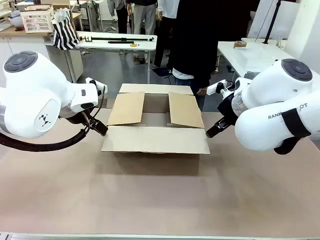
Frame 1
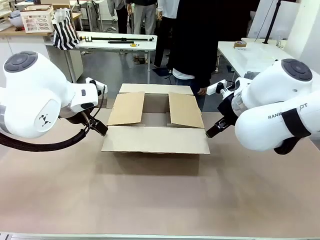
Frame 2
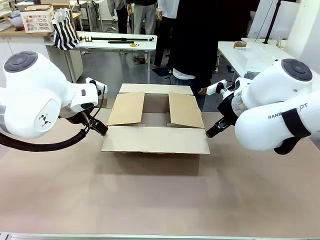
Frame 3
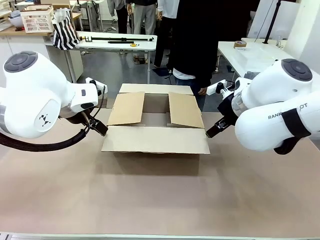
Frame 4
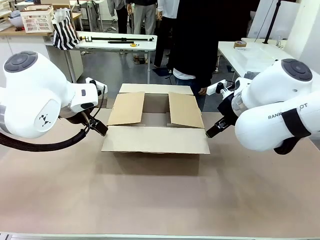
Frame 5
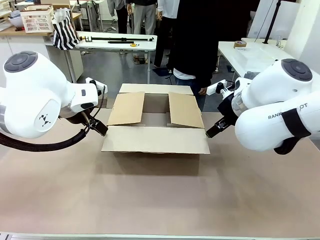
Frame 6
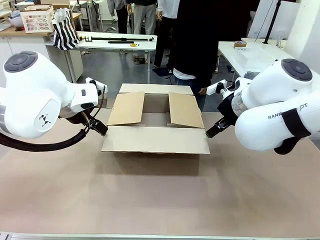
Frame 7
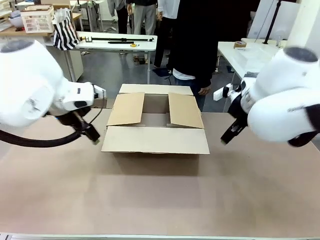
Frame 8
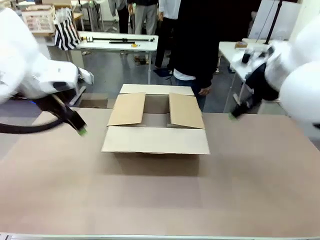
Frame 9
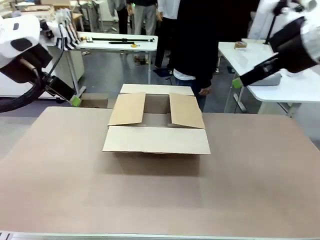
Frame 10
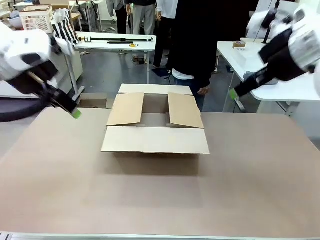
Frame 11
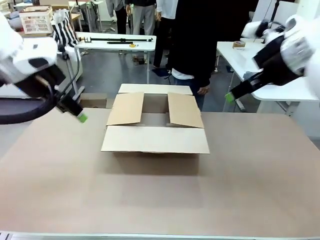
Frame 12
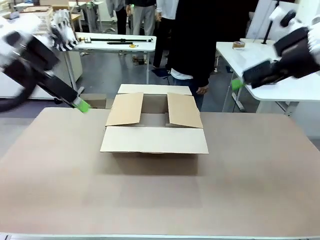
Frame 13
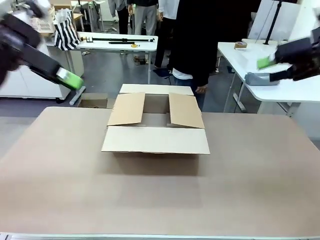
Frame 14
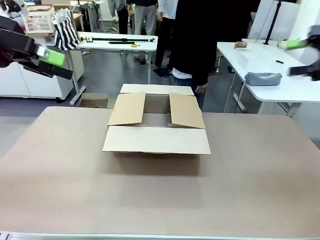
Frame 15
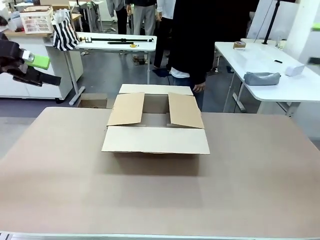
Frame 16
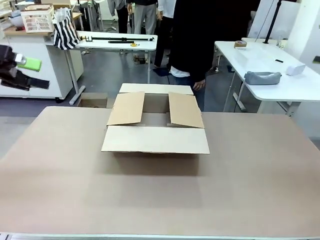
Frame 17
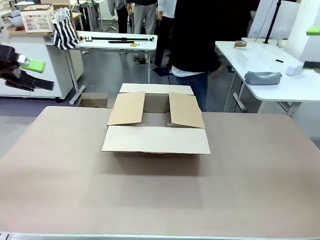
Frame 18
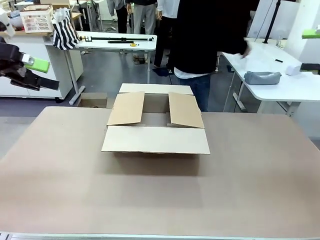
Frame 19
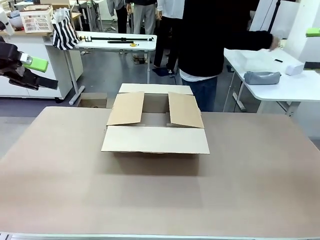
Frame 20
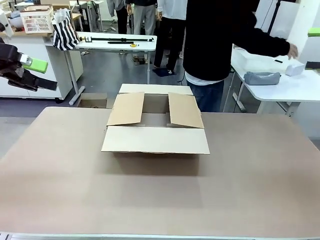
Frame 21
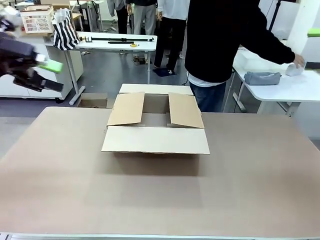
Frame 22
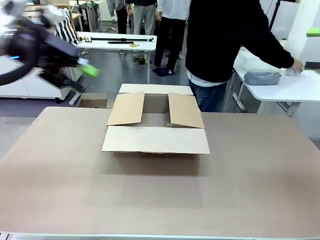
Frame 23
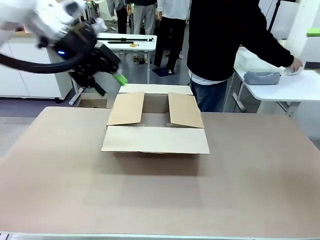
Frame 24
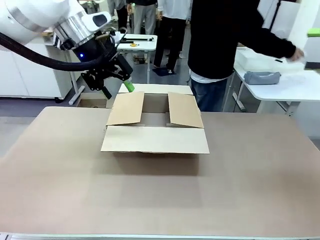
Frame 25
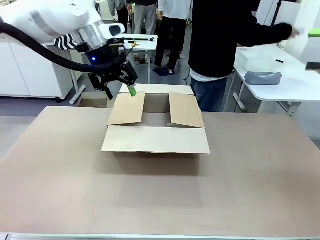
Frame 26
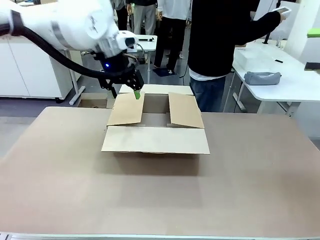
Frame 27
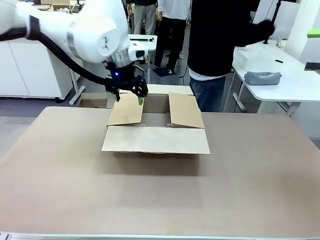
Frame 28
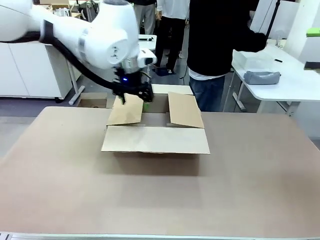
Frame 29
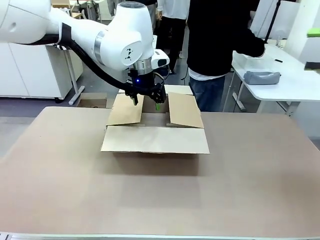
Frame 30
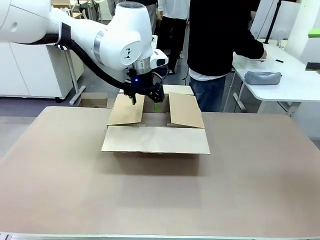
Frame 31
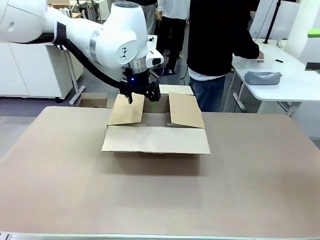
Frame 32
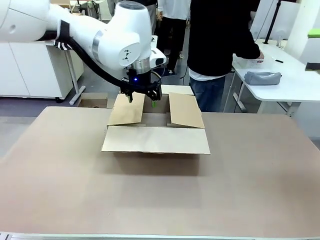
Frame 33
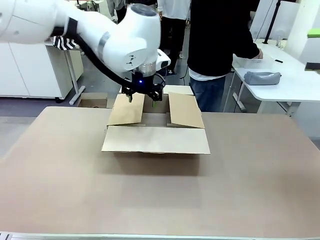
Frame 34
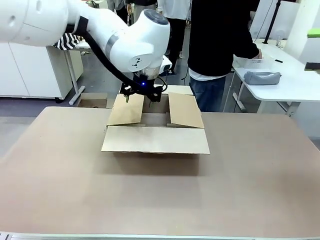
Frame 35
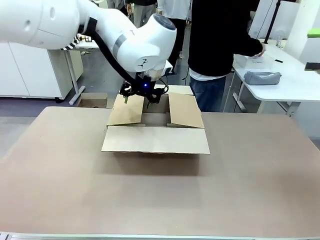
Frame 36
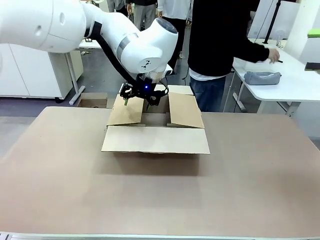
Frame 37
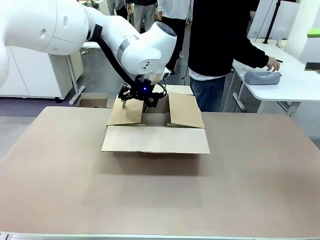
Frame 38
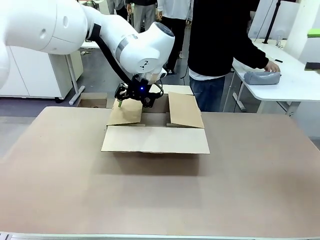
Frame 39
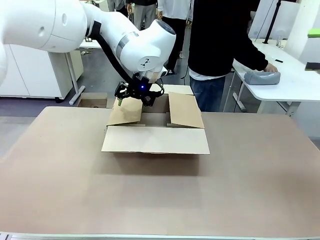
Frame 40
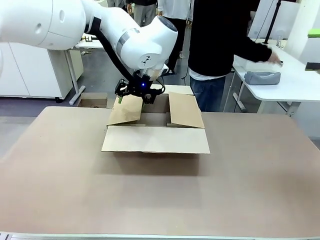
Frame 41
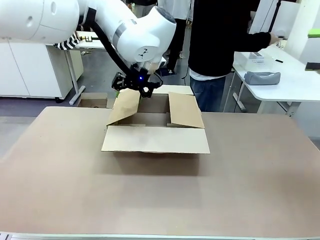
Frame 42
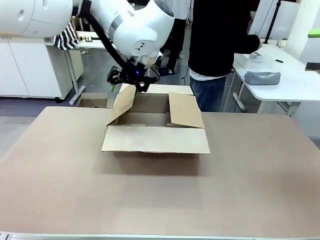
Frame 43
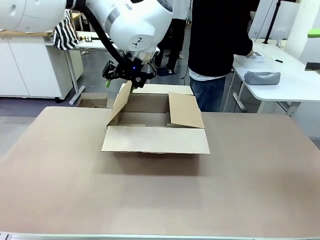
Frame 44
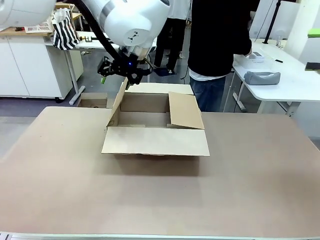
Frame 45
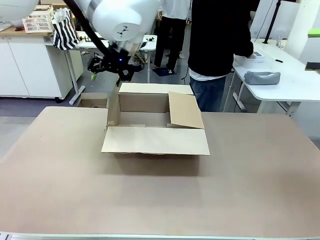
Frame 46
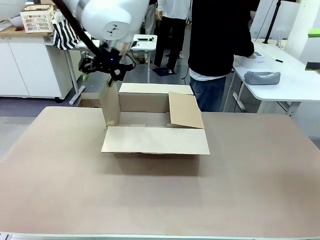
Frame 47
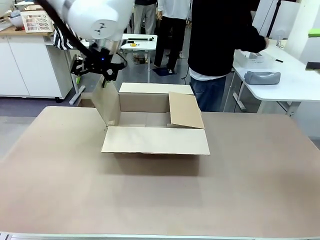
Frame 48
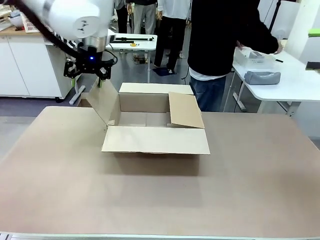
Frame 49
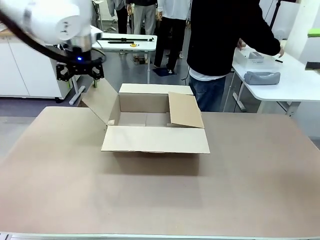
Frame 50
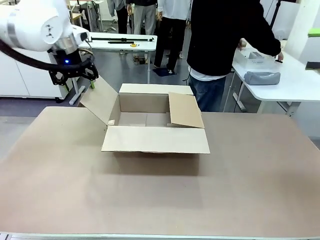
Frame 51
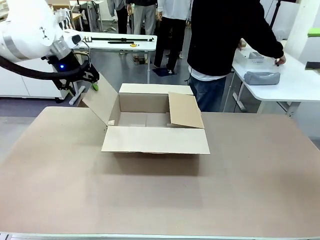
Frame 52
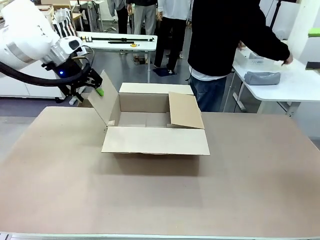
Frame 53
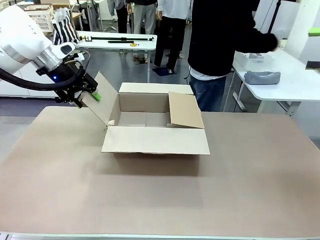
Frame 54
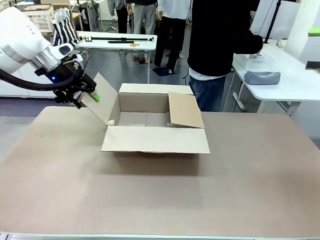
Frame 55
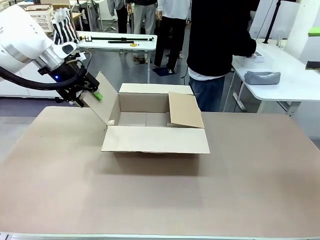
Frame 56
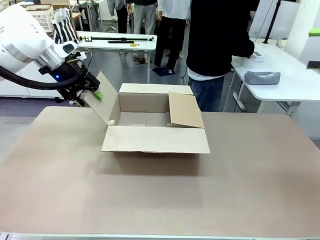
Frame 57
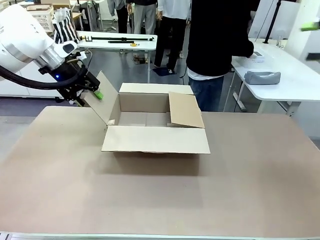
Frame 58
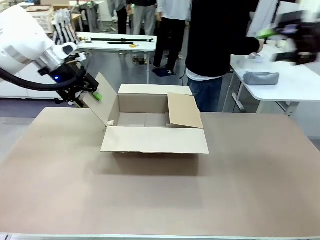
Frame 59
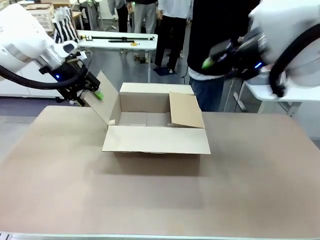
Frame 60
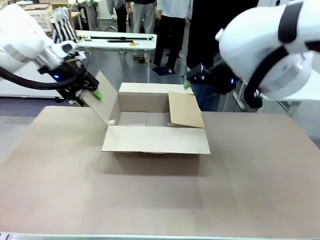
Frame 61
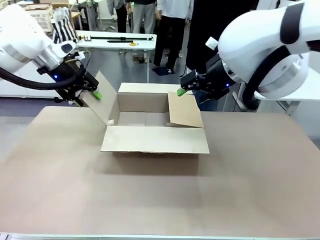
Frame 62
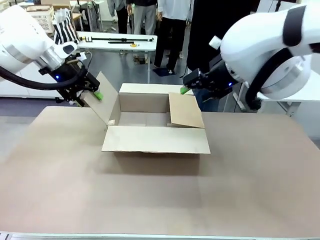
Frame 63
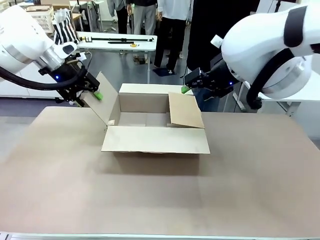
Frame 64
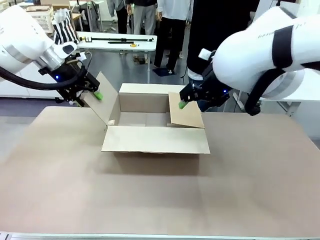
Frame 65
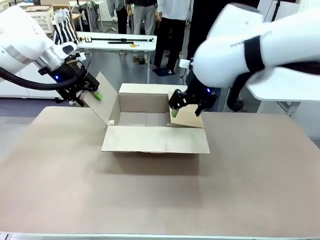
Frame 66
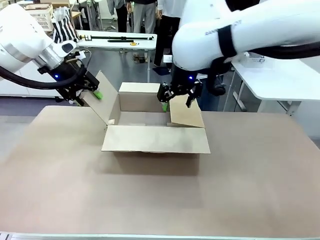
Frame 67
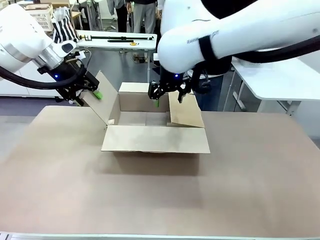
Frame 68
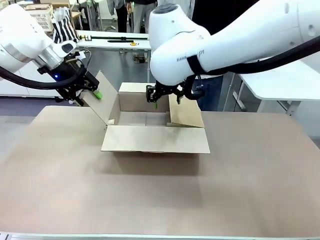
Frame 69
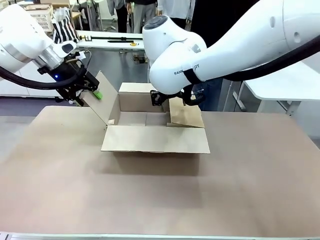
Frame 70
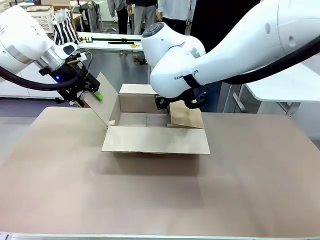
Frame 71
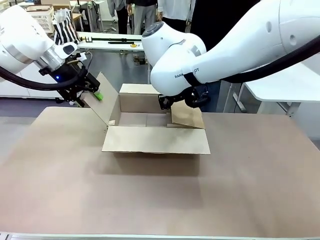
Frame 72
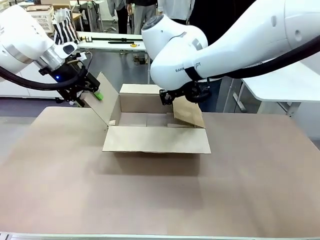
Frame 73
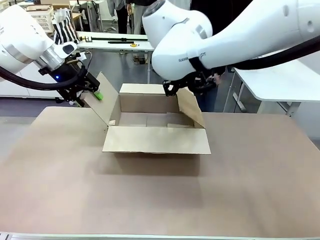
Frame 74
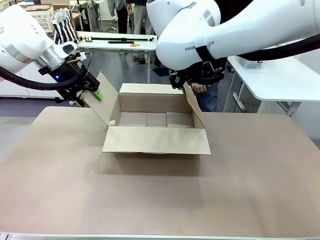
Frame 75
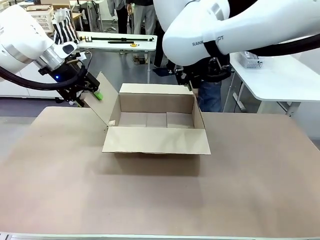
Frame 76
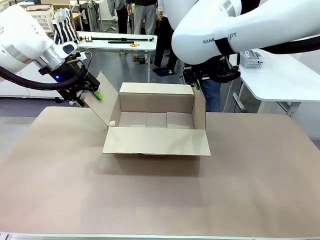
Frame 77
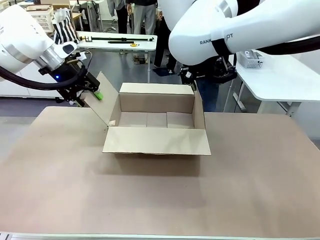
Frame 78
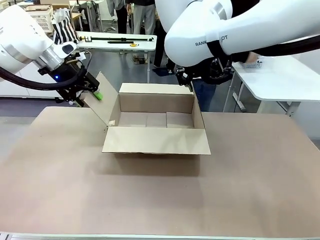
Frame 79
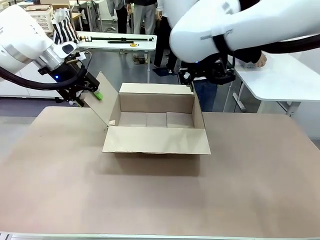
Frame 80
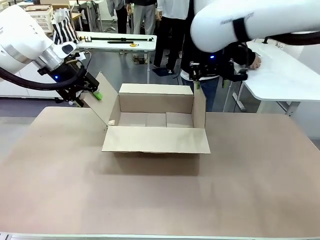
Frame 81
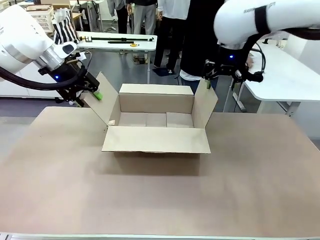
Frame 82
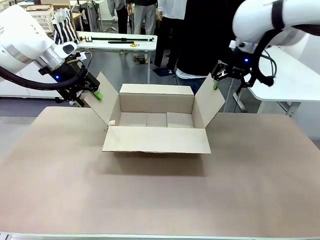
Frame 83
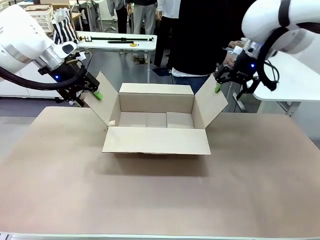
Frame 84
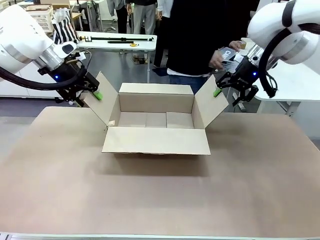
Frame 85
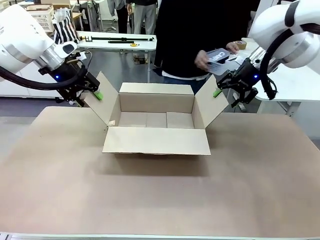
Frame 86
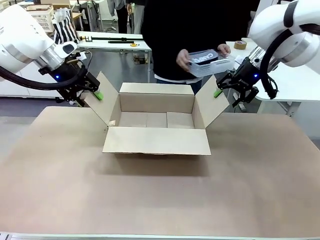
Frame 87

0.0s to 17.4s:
Task: Pack the gift set into the box.
Robot: Place both hands on the side flaps of the Package Box and spread them outward.
Person: The human places all items except the paper tape into the organizing basket.

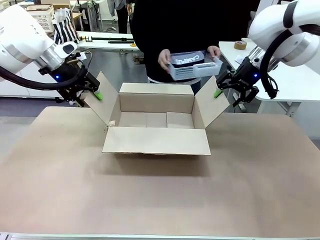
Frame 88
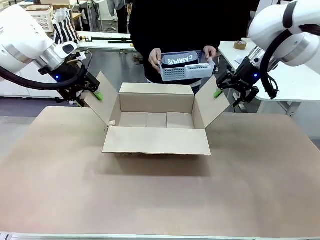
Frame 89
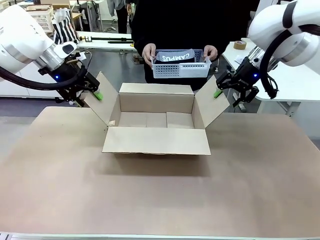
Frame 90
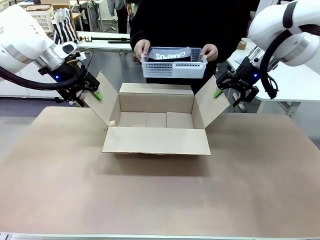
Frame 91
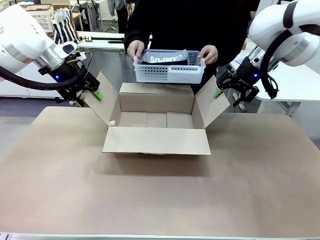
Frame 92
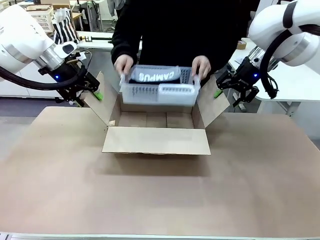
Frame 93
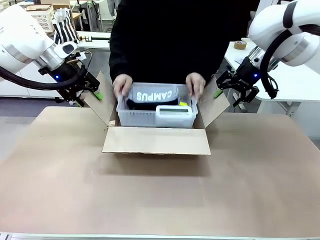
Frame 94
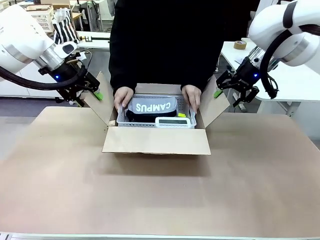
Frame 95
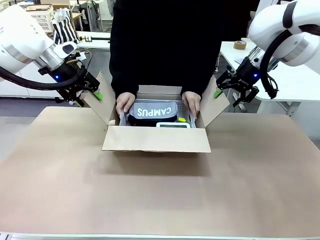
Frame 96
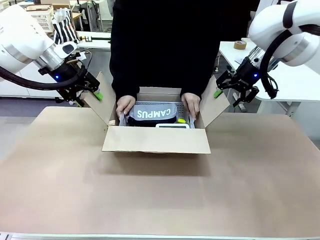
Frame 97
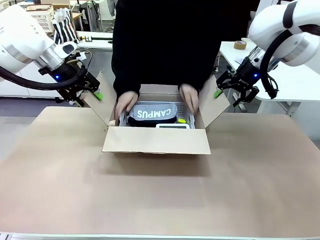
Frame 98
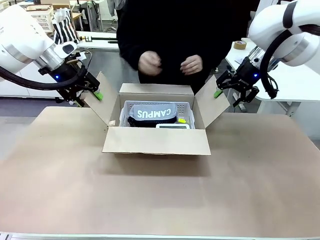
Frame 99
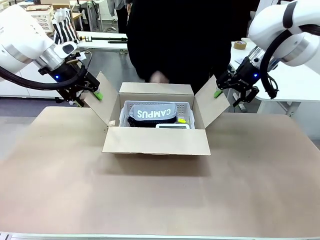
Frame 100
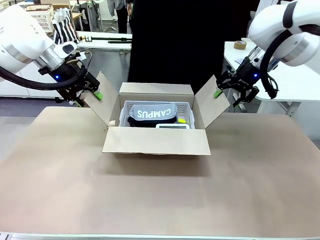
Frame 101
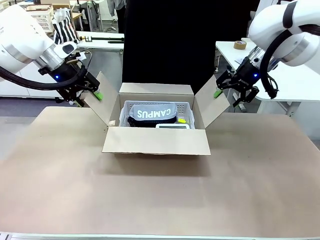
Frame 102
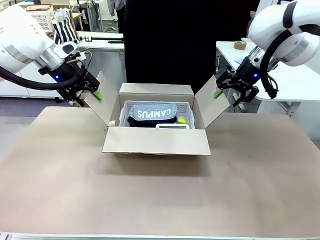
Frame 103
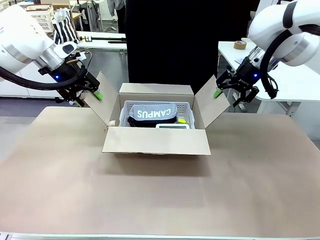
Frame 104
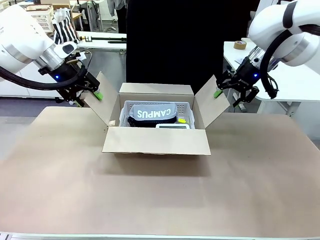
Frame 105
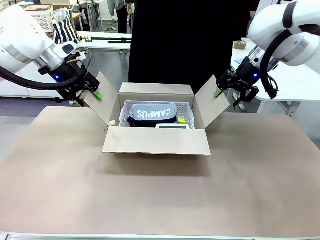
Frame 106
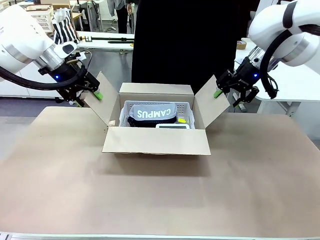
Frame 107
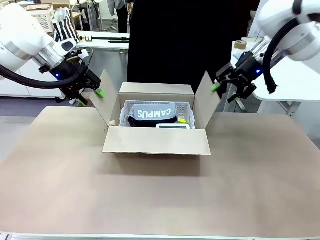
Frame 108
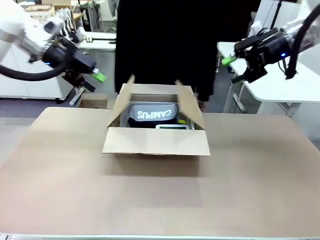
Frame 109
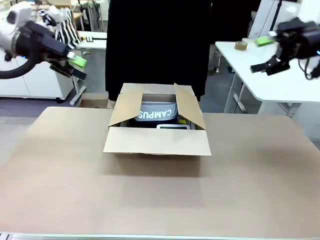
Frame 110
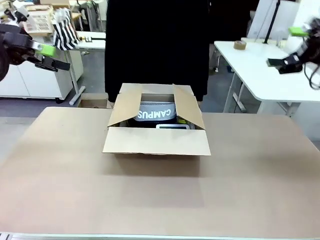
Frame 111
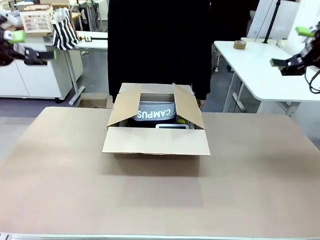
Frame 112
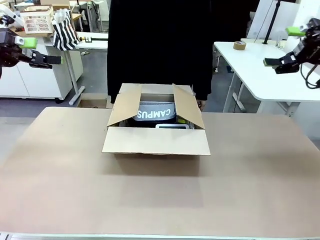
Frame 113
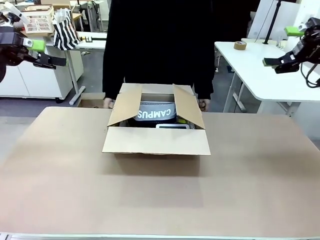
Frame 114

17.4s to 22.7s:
Robot: Lift both hands away from the flaps of the Package Box.
Person: The human picks up the organizing basket and places the organizing basket into the package box on the robot table.
